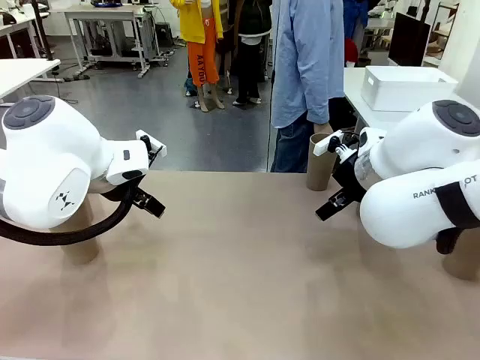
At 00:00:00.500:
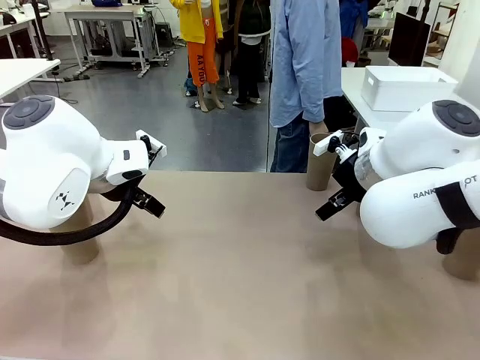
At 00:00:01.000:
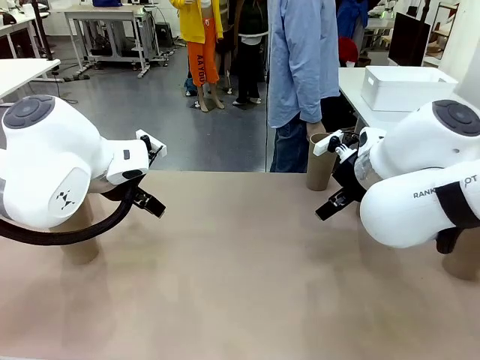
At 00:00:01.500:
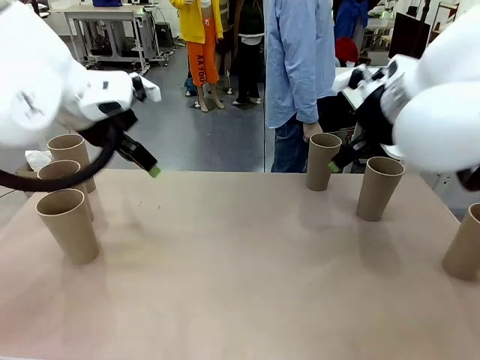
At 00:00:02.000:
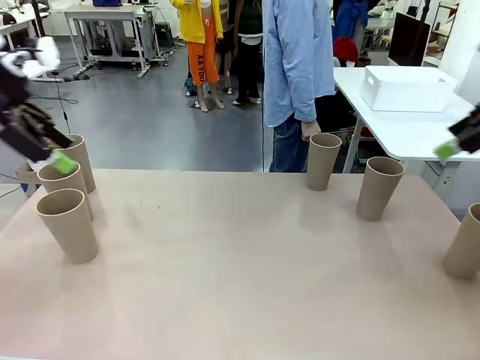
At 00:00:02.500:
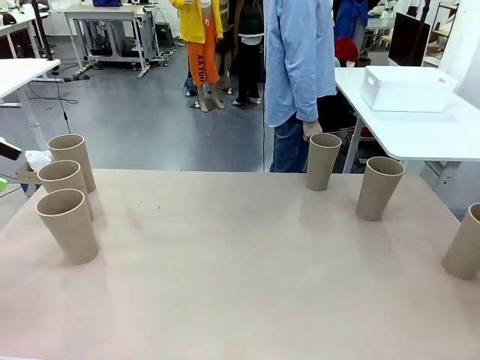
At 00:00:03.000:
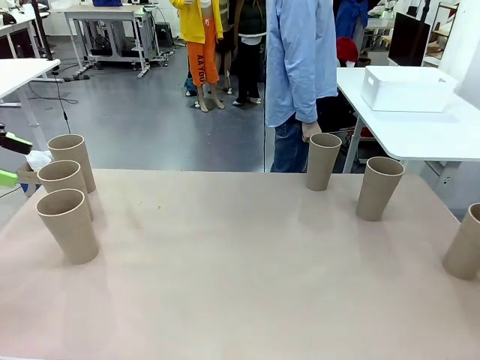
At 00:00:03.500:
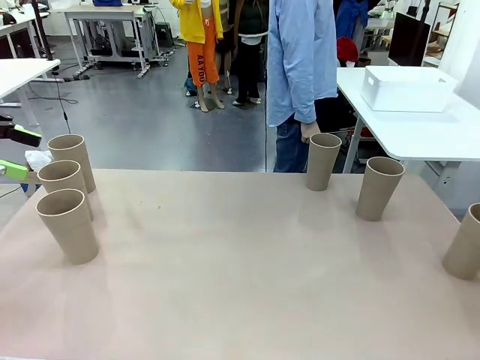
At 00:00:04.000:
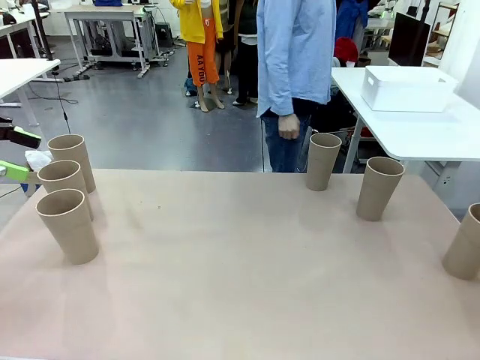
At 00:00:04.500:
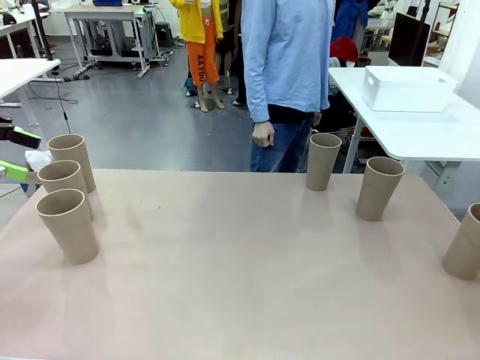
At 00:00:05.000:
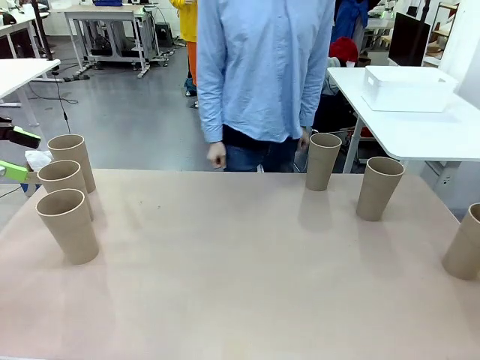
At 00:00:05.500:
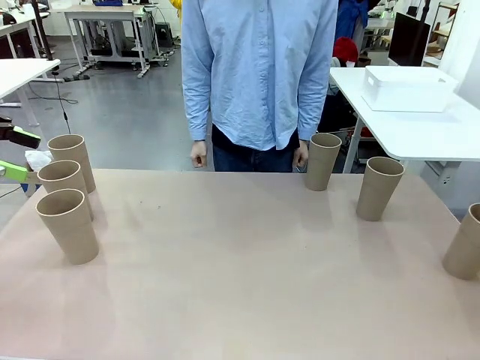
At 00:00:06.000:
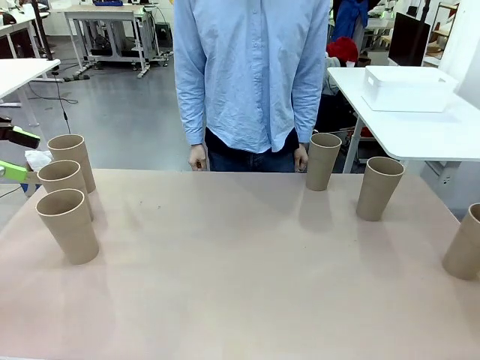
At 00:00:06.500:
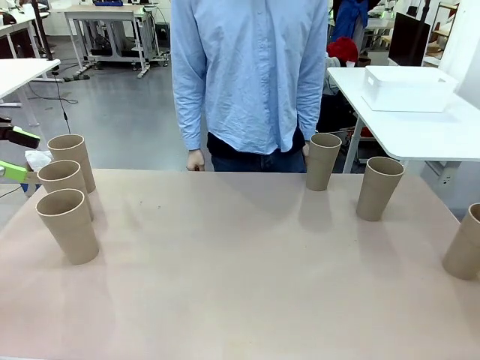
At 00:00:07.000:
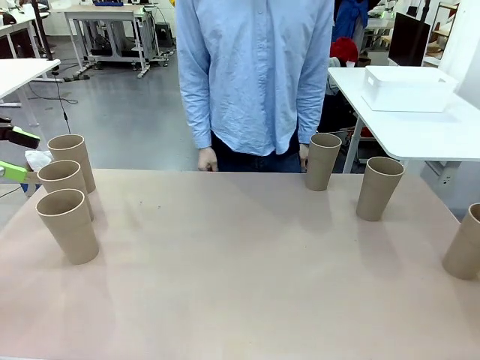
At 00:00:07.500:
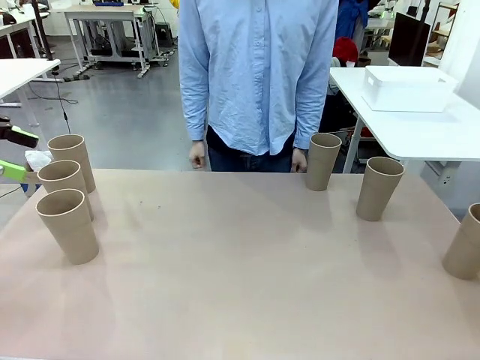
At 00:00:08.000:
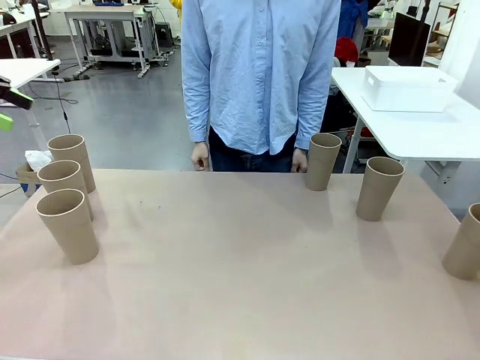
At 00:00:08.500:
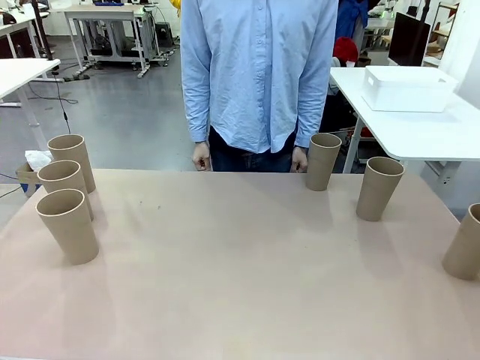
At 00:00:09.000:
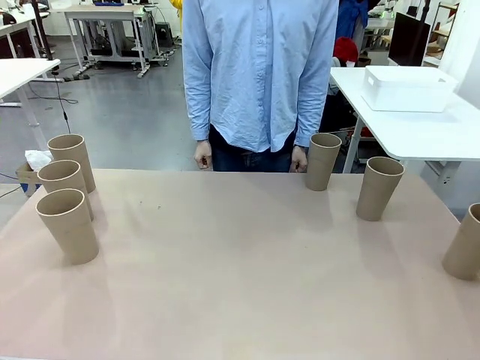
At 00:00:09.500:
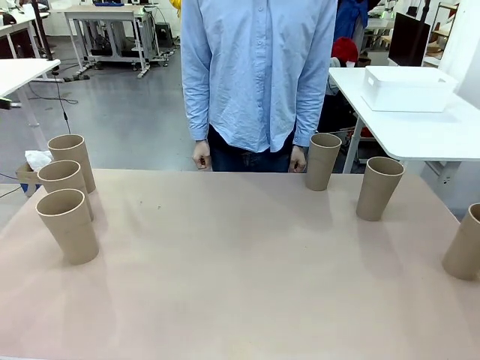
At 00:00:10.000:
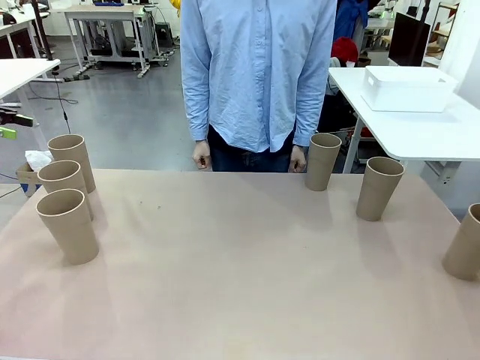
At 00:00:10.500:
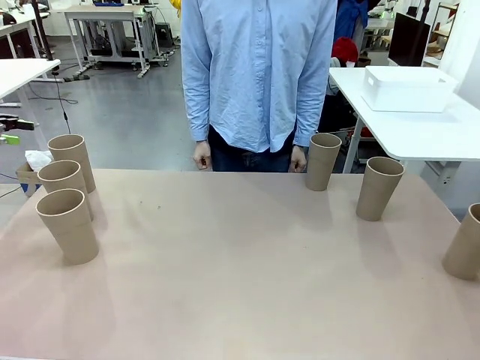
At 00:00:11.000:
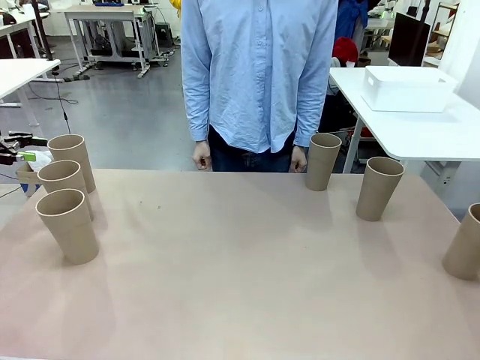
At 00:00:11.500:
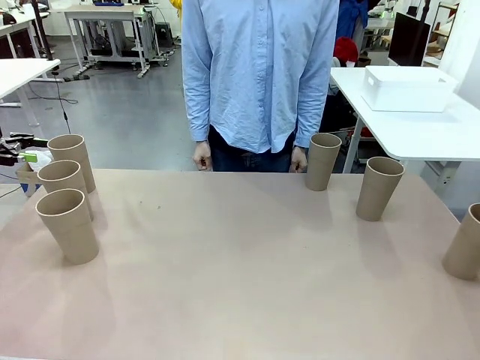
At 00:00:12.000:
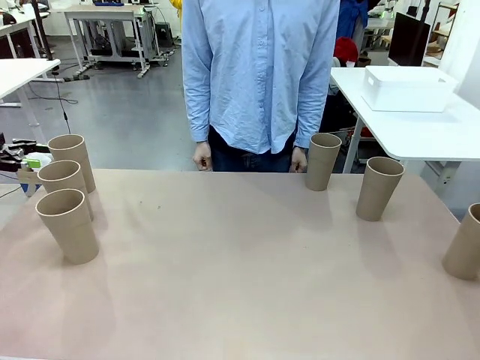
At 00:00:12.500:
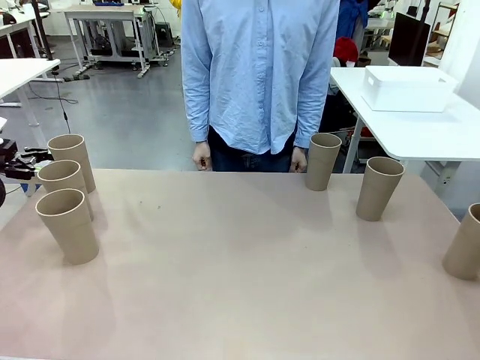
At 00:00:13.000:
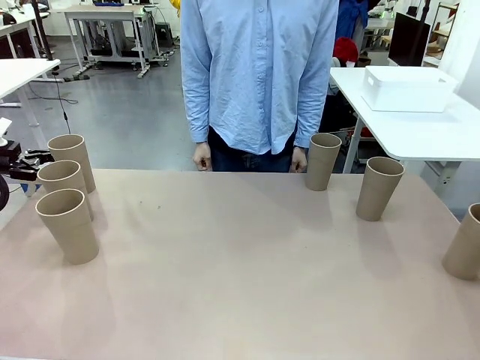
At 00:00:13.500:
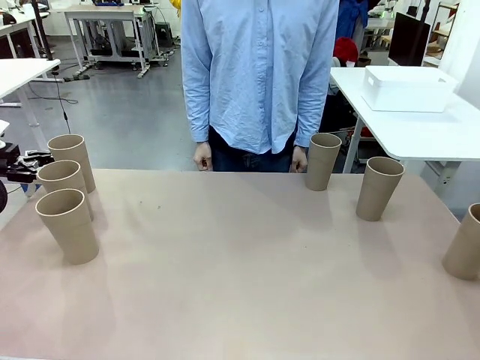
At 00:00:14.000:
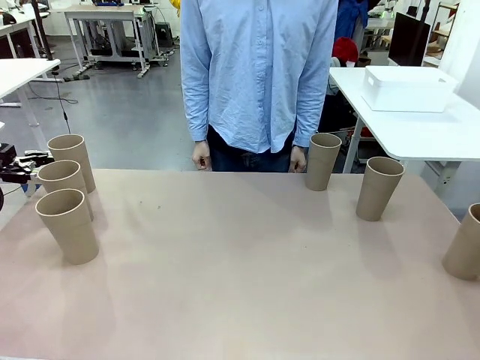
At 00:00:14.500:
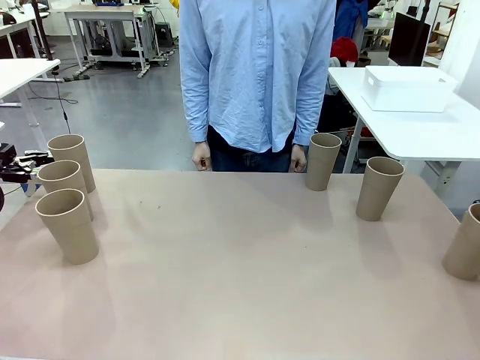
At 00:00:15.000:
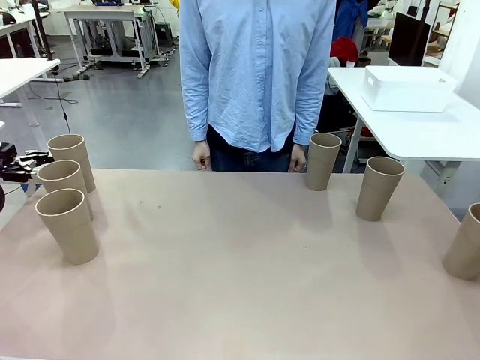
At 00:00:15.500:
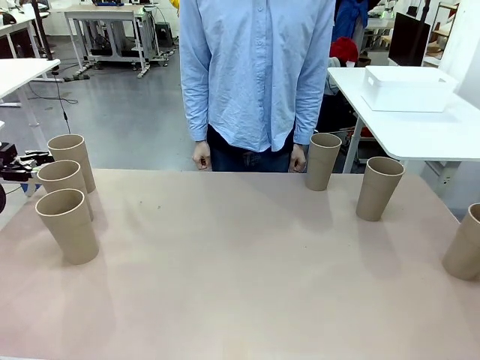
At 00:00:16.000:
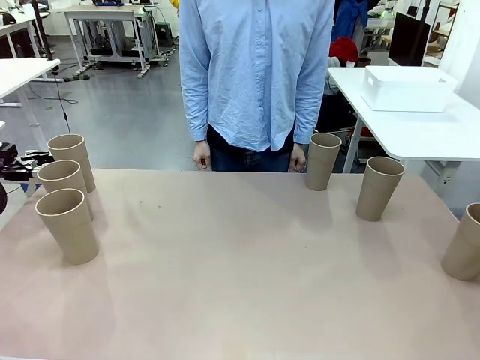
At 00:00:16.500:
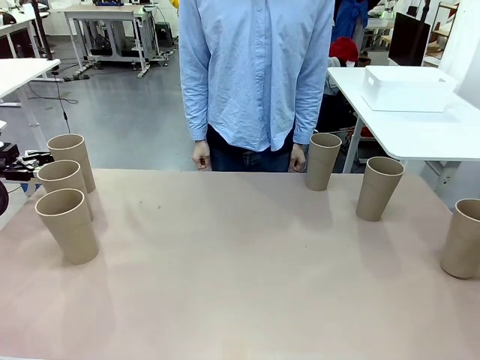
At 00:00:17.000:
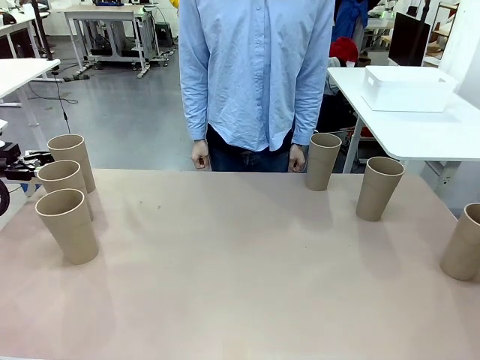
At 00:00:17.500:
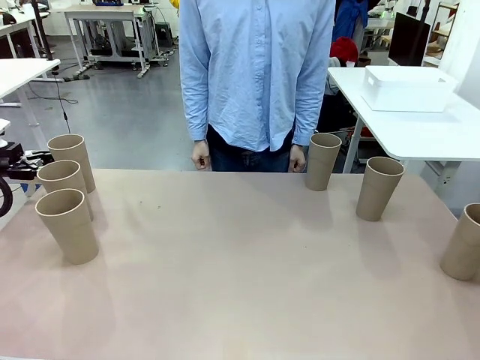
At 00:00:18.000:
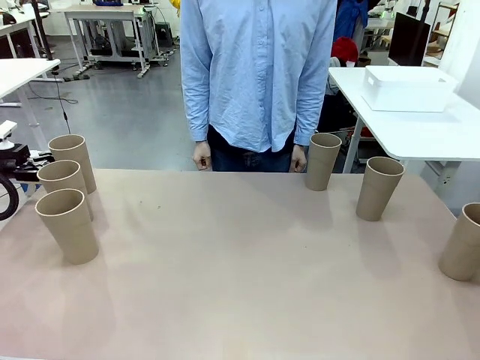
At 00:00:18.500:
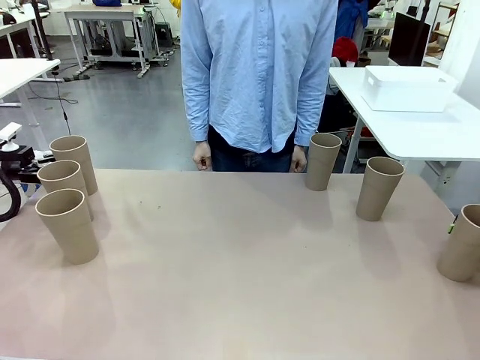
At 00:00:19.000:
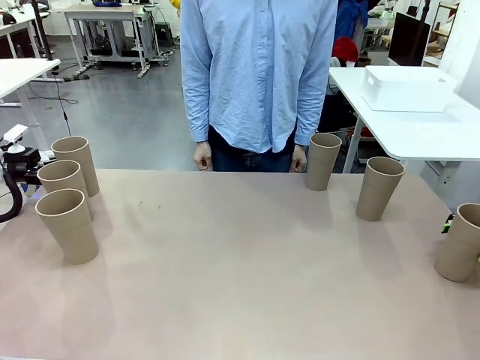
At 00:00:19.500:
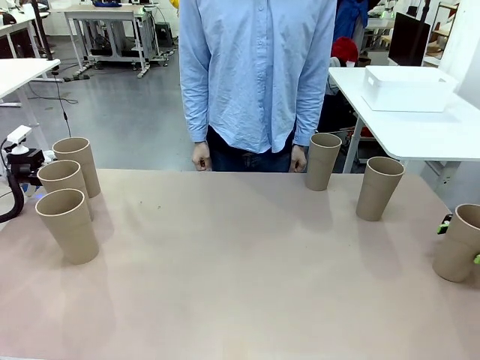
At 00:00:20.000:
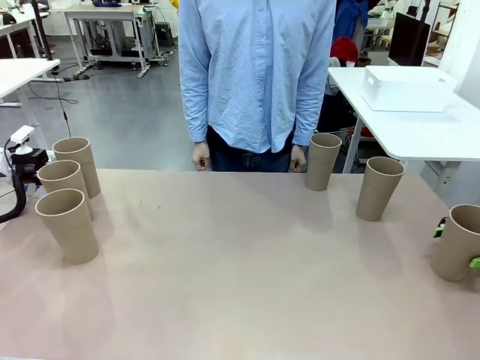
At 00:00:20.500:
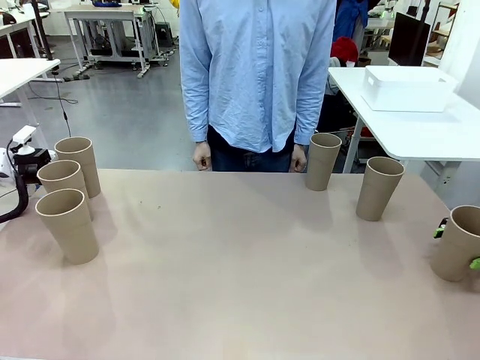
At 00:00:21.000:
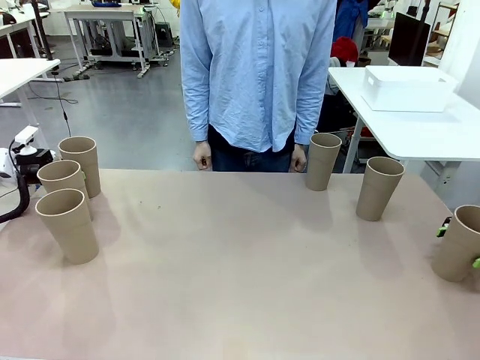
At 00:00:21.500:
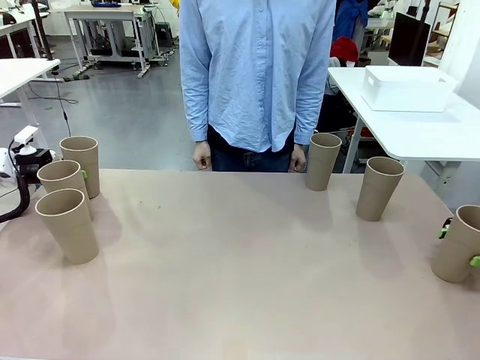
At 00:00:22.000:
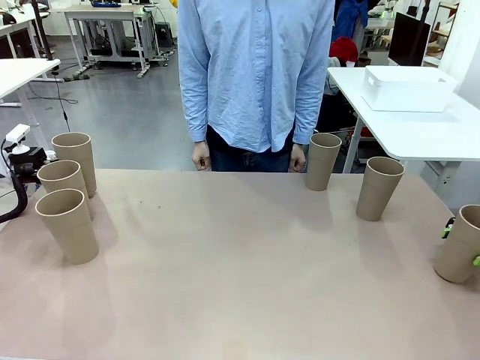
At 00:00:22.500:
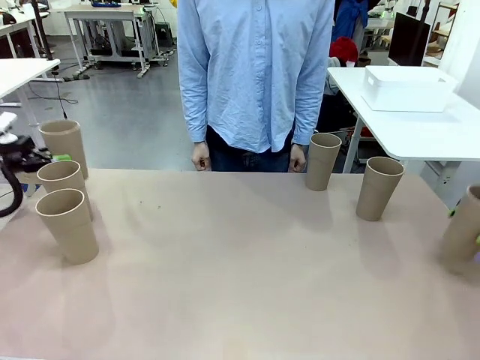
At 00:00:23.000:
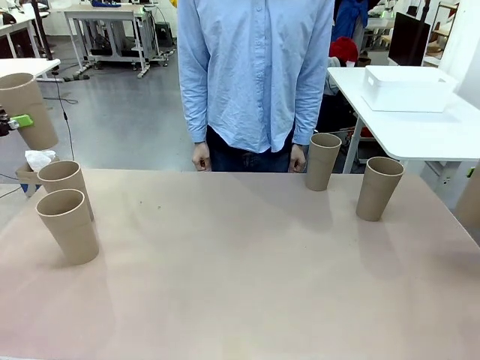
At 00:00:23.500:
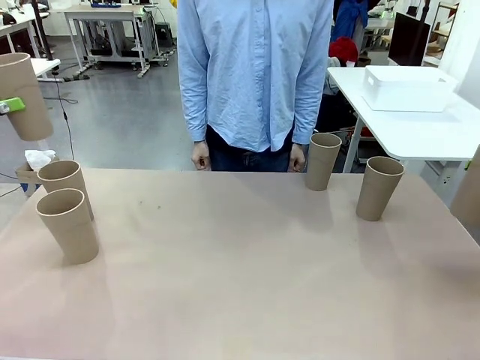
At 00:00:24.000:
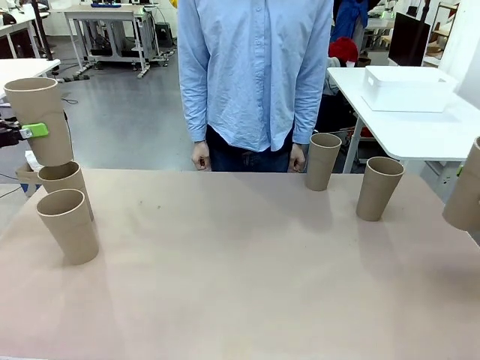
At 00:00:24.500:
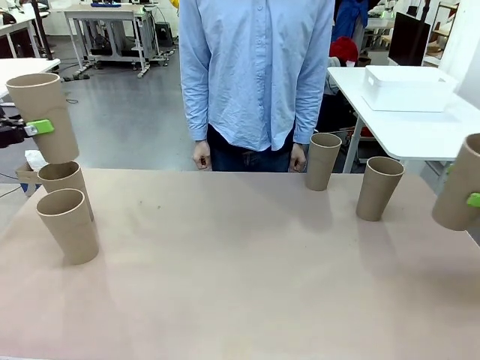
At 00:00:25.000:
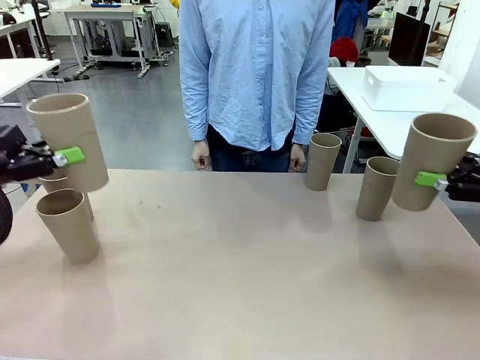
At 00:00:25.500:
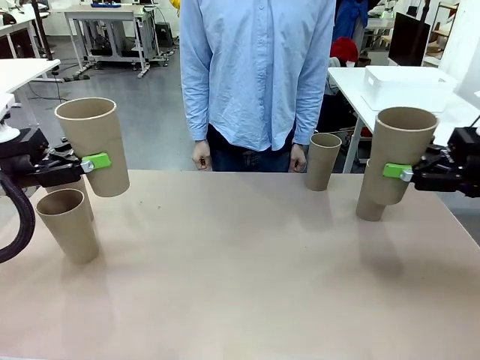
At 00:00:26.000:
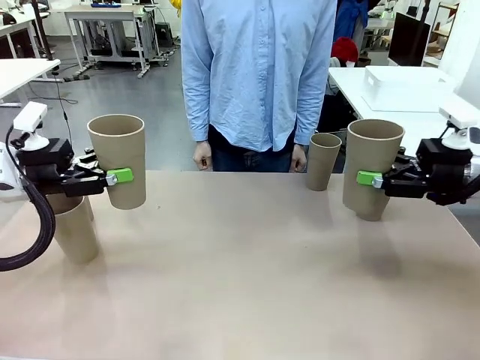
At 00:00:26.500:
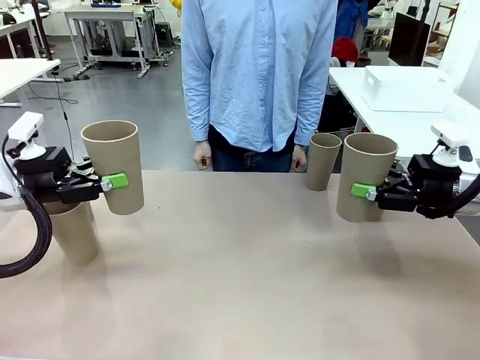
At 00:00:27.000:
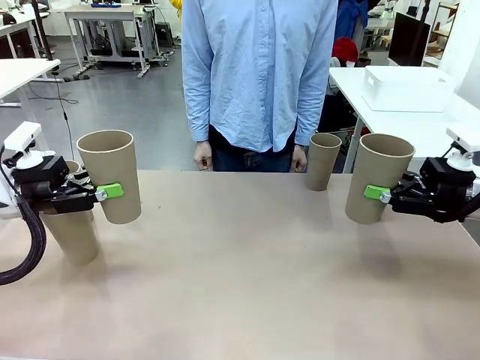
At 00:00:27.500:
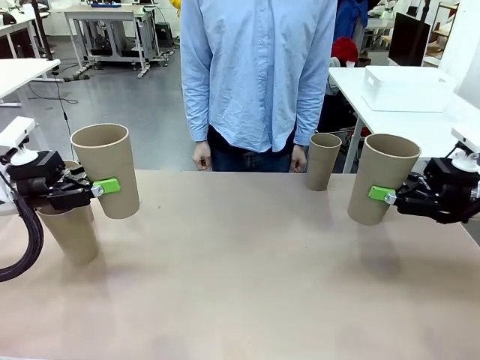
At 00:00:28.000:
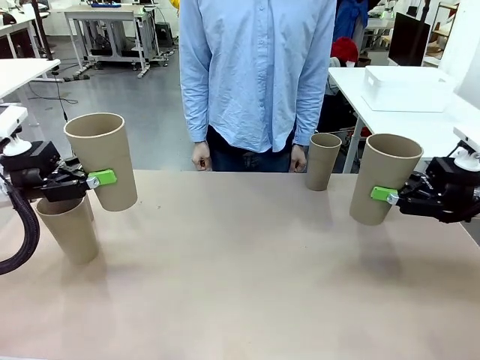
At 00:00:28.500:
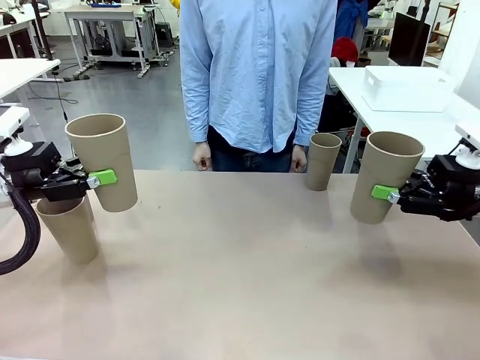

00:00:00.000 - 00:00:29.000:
Task: Stack the cups and store them in the basket.
Robot: Pick up two Reusable plastic cups , one in each hand.
Person: Move from the Human Table to the front of the Robot Table. Stack two of the remaining cups on top of each cup held by the robot.
